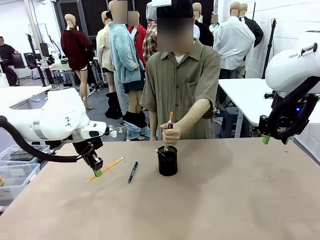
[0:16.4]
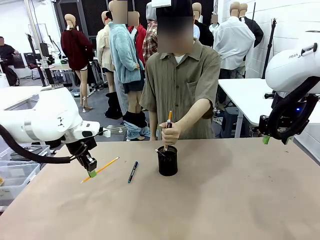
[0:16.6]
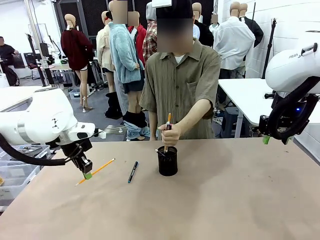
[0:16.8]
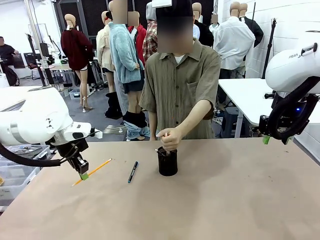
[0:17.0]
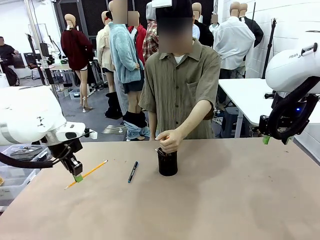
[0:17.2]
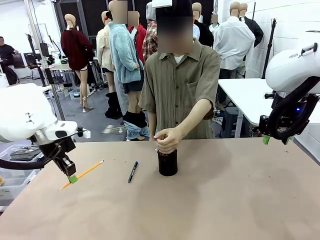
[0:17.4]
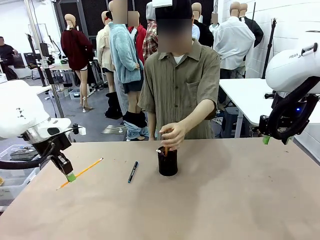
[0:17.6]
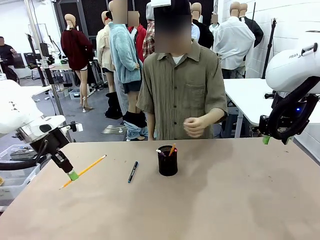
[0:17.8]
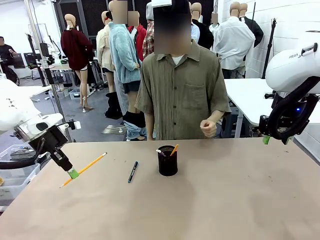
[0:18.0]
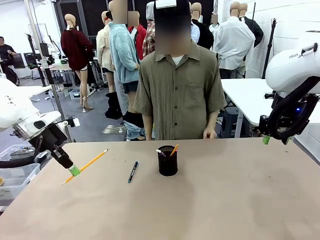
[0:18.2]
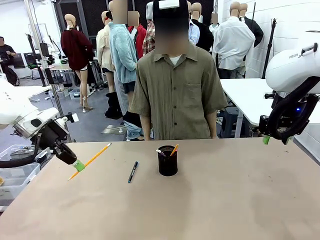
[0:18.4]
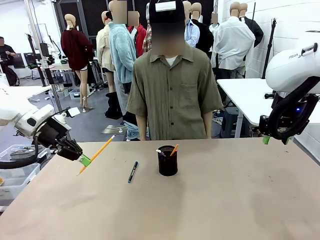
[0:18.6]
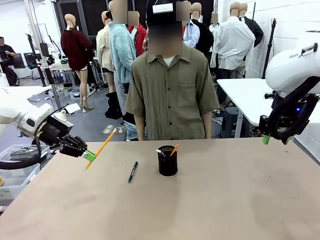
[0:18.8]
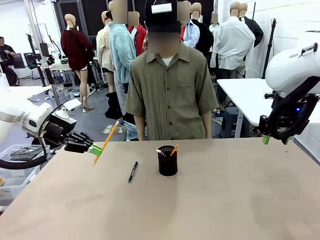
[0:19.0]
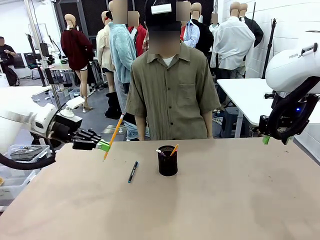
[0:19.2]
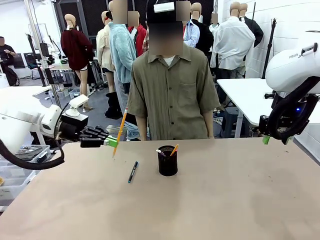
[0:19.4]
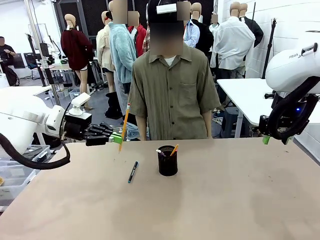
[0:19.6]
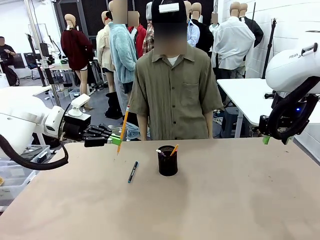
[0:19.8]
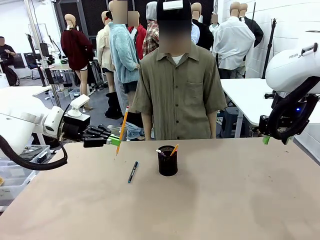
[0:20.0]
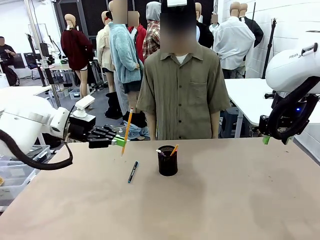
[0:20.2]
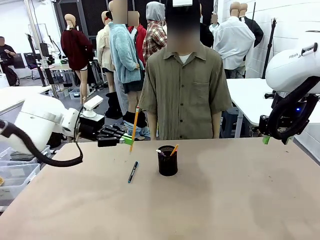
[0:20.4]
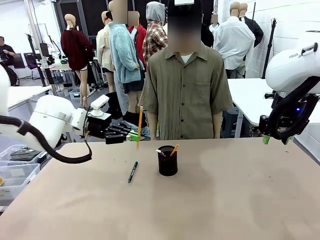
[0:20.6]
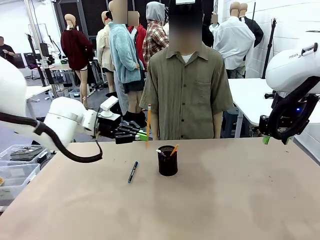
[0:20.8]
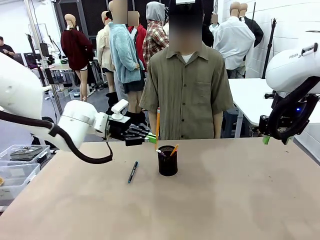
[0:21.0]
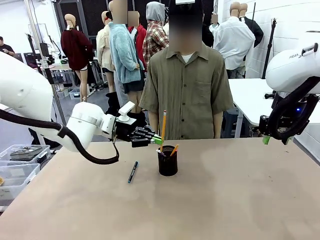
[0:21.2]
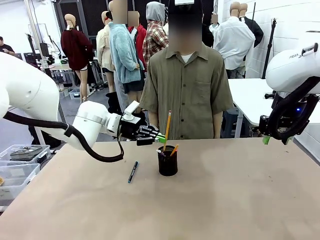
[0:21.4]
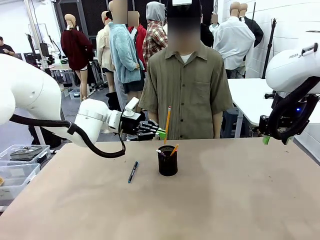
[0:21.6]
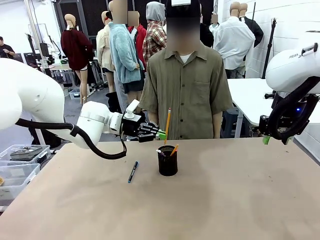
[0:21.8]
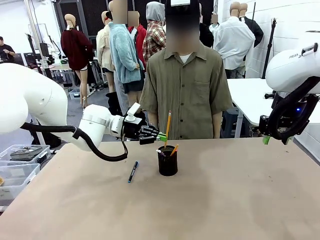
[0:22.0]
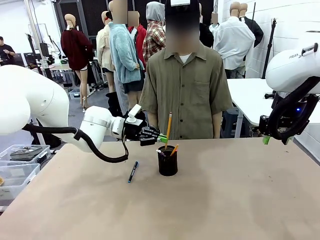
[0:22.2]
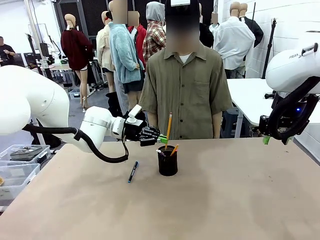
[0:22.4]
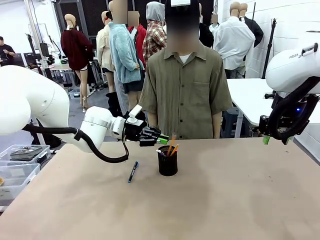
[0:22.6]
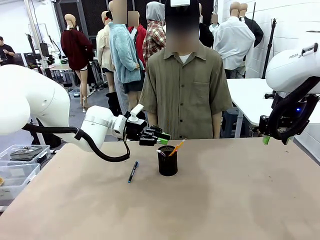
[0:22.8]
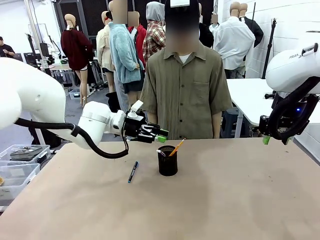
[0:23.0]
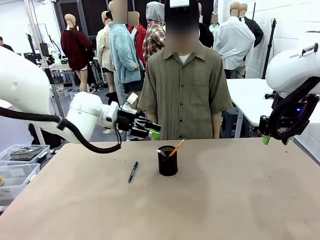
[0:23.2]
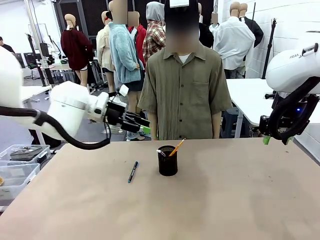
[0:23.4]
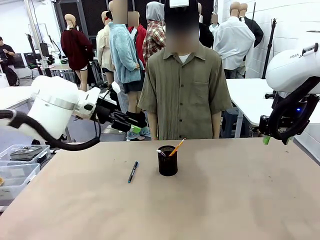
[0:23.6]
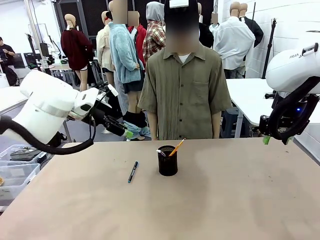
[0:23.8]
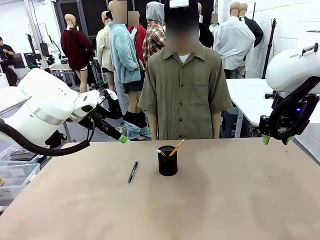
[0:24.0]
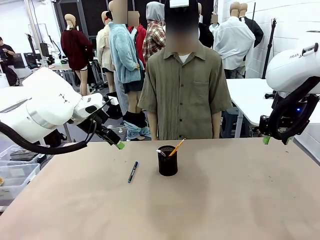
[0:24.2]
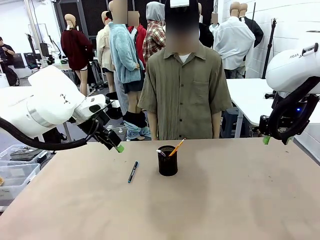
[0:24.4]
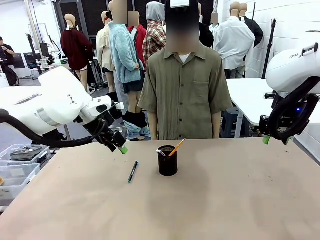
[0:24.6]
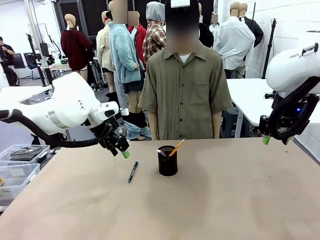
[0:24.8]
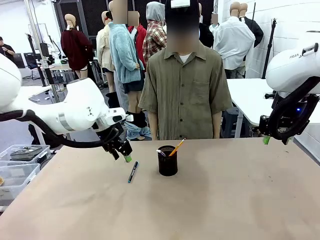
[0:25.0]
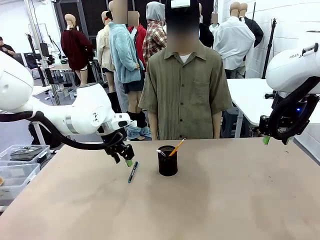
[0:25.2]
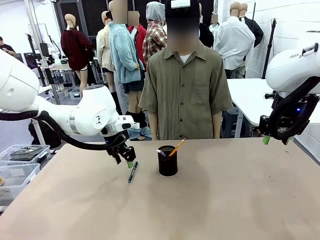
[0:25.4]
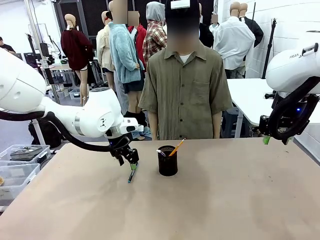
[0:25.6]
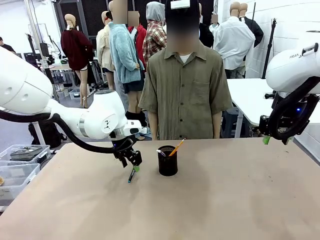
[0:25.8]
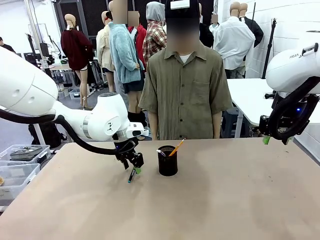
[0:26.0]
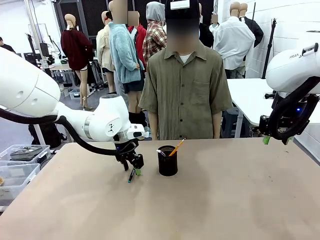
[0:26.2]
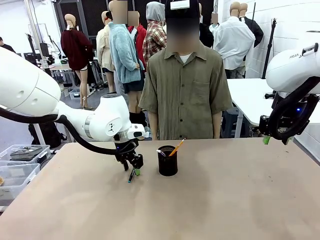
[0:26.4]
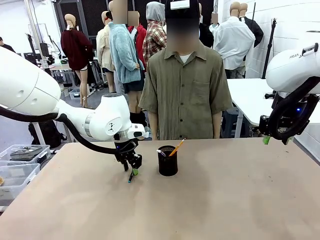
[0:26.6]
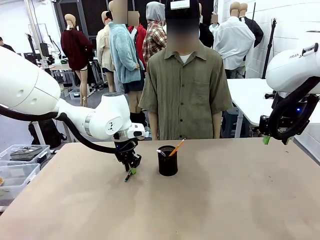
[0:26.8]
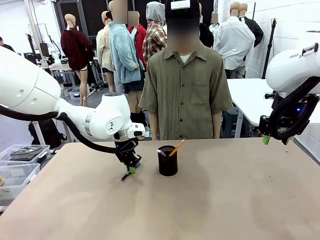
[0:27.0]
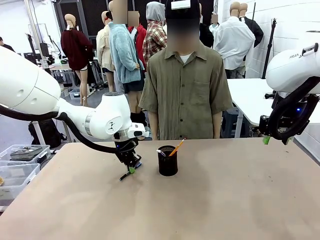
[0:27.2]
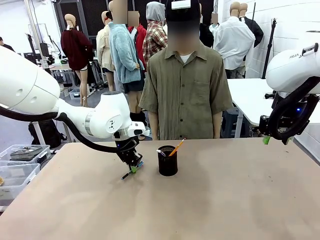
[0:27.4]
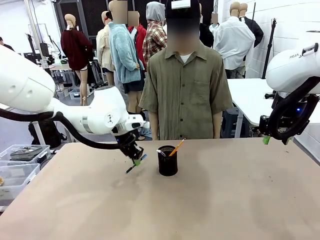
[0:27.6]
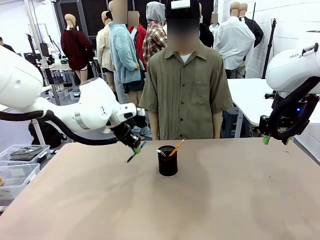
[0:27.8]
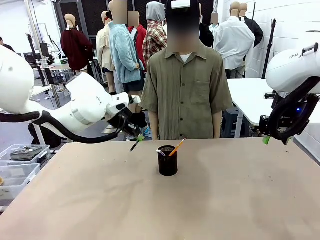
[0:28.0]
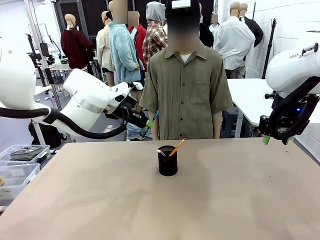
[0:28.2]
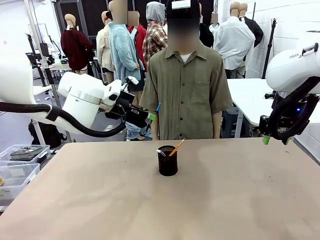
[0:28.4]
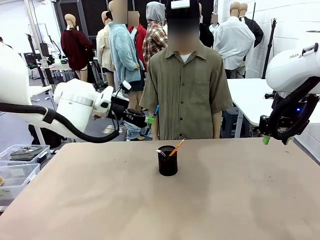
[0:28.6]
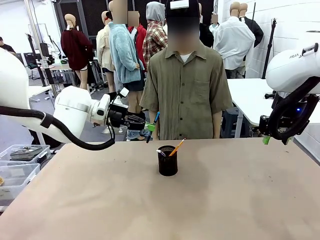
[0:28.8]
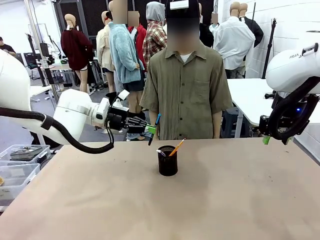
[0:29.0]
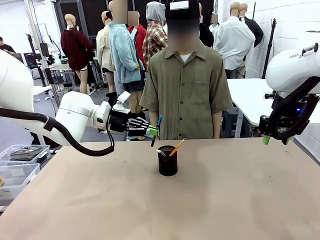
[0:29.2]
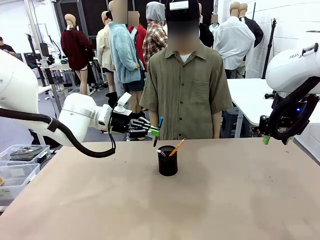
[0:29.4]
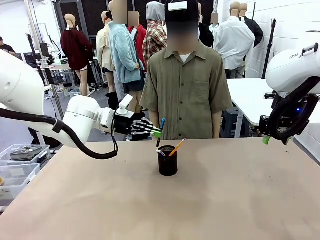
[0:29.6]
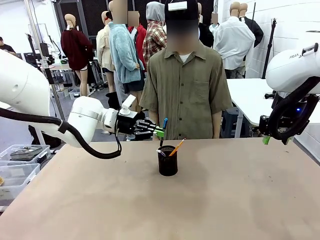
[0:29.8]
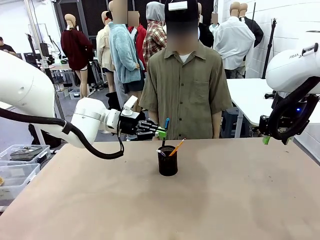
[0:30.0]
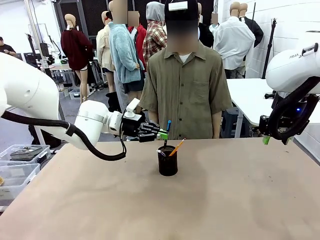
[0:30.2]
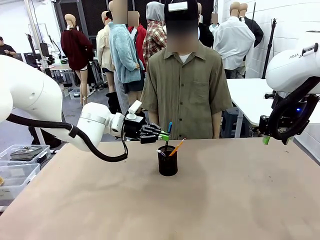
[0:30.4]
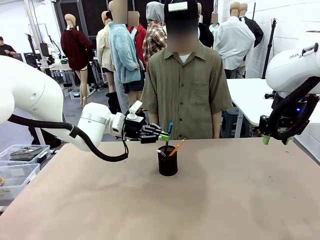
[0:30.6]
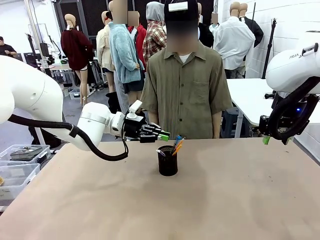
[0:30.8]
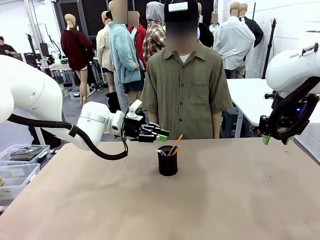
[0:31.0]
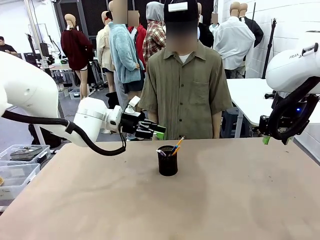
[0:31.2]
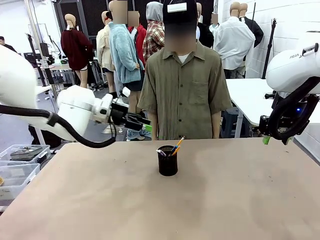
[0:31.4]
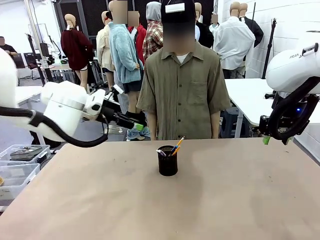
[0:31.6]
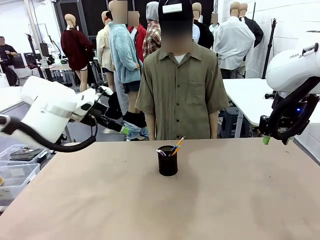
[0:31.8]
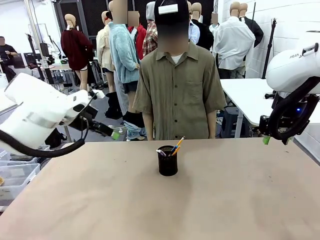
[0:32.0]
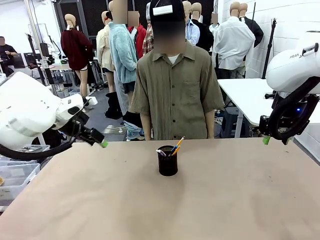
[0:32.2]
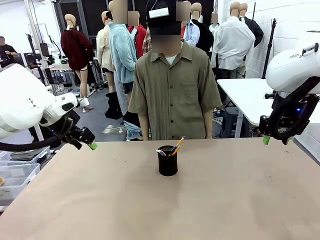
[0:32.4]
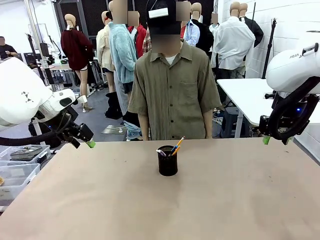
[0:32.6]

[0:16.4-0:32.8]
Task: Place the pens into the pen holder.
Robot: Pick up a writing instrument from the table and place it into the Pen holder.
Person: Place all writing instrument into the Pen holder.
